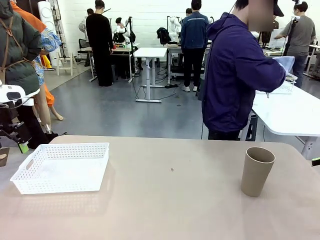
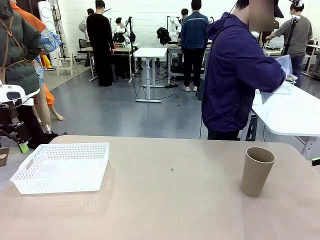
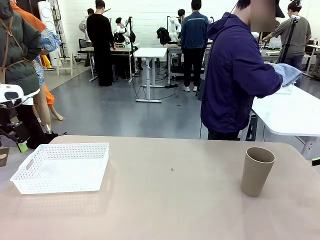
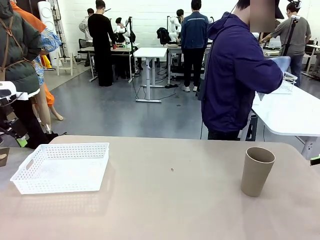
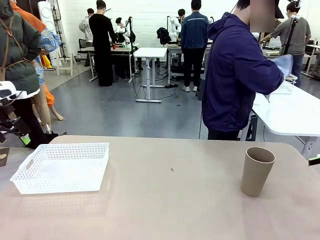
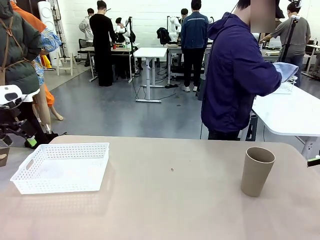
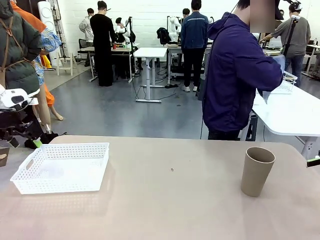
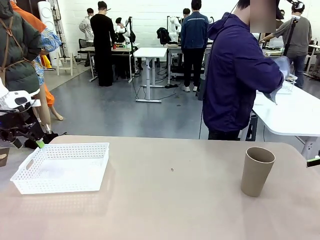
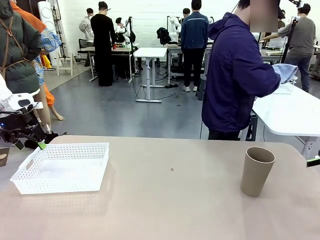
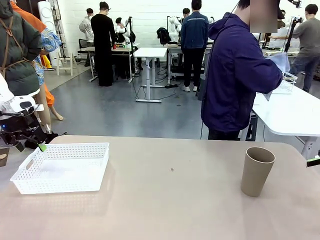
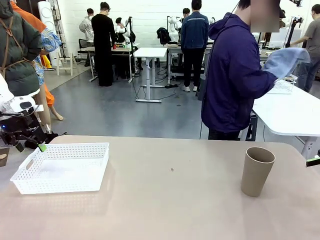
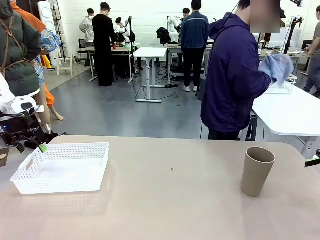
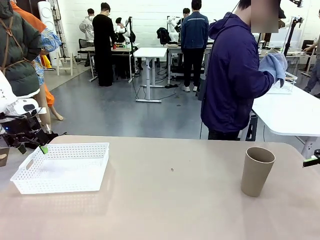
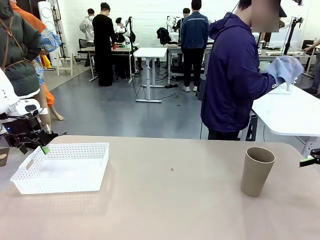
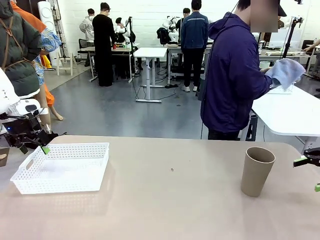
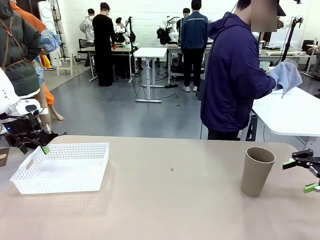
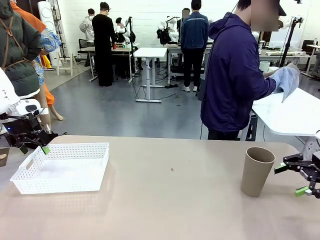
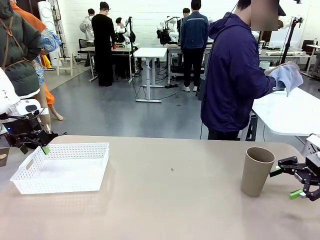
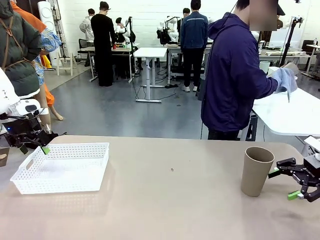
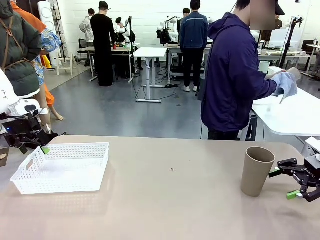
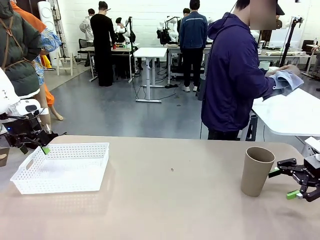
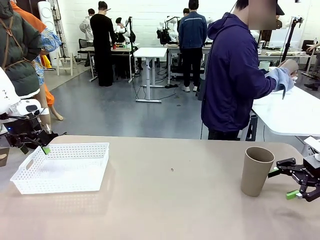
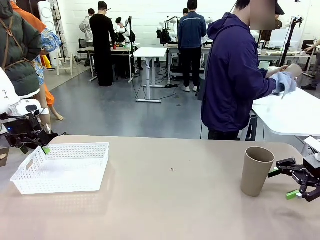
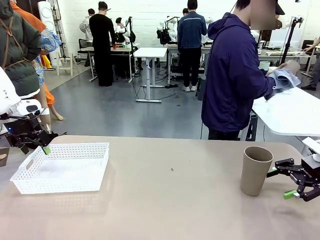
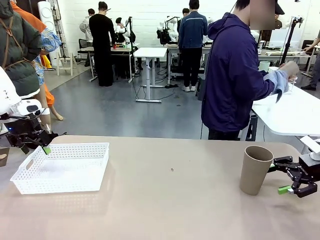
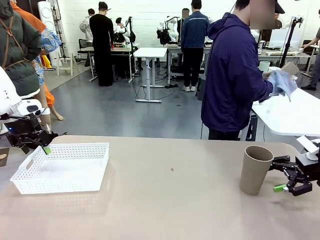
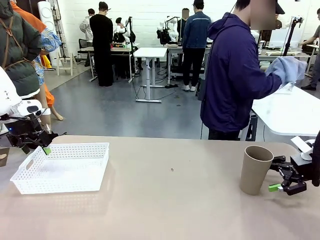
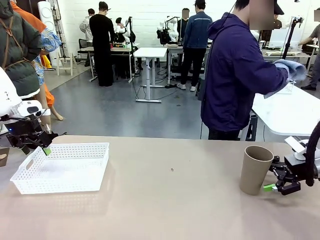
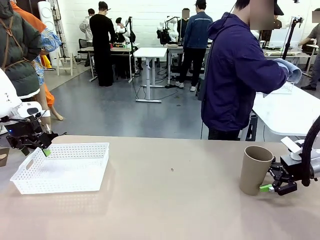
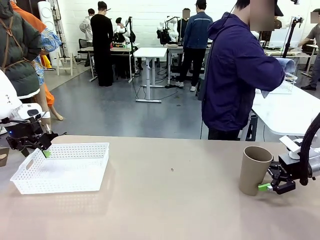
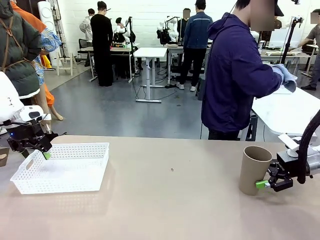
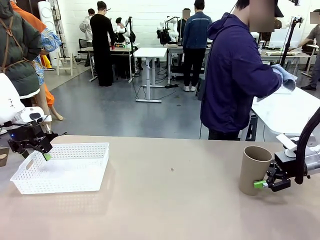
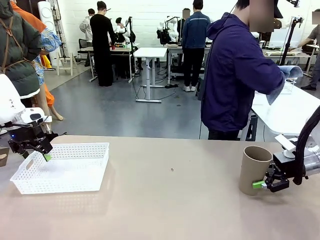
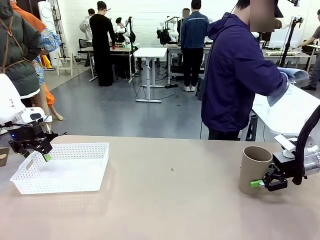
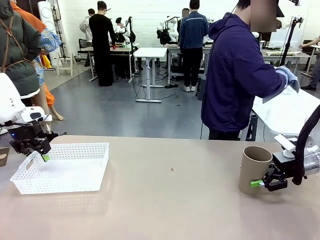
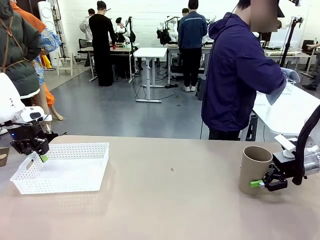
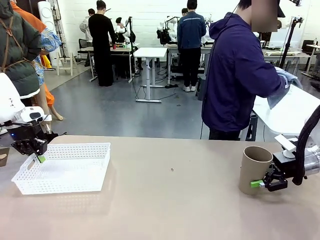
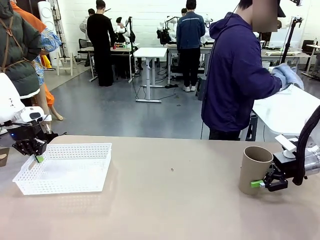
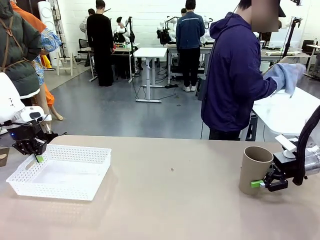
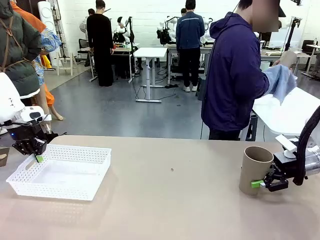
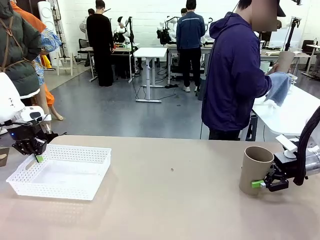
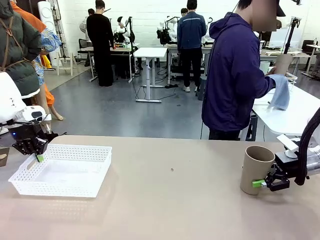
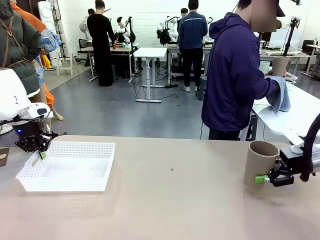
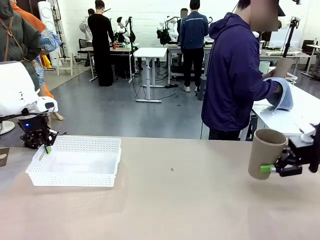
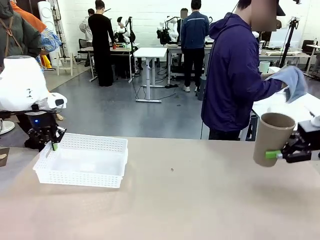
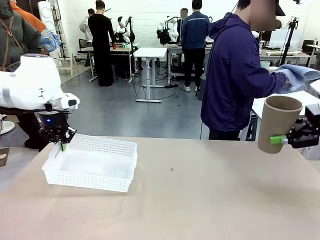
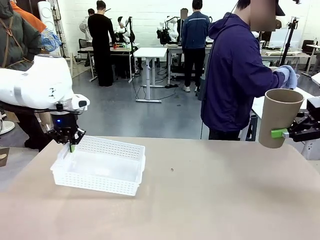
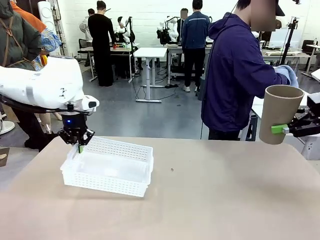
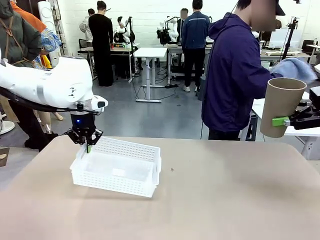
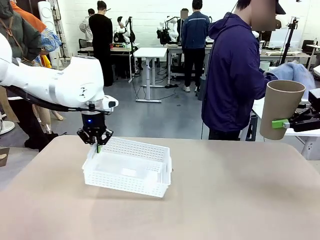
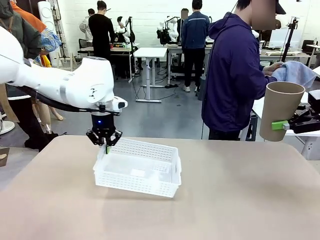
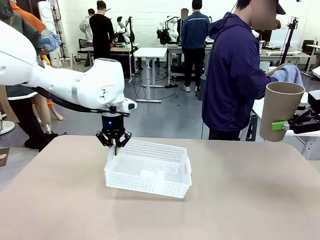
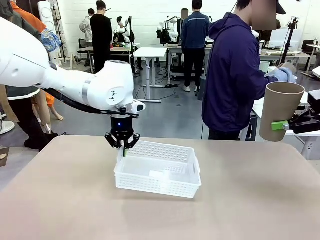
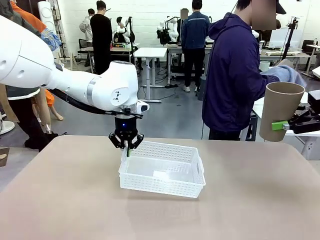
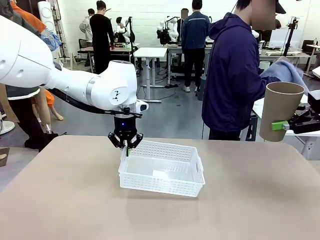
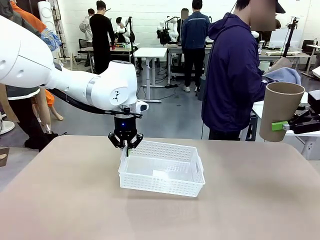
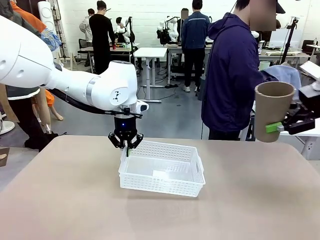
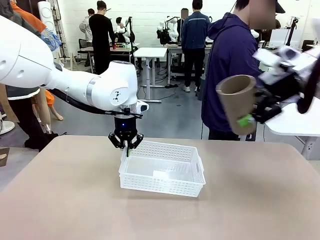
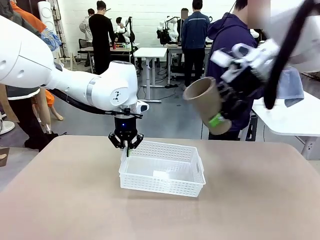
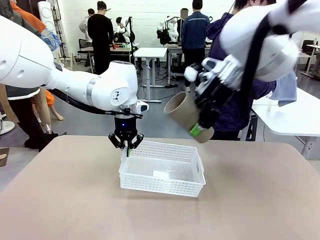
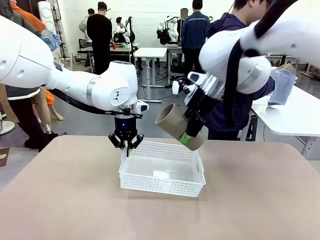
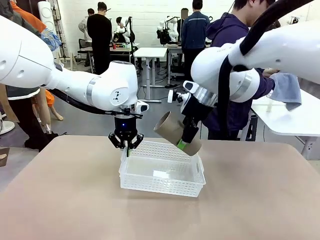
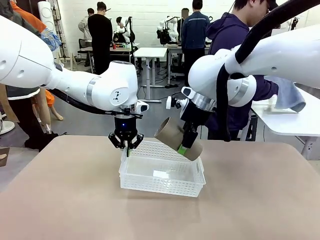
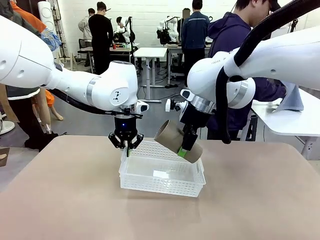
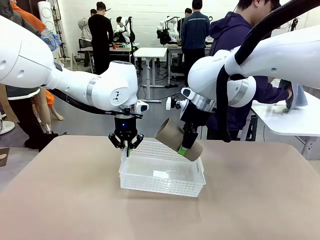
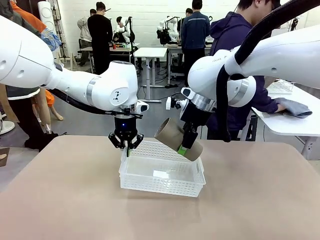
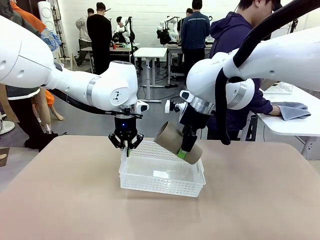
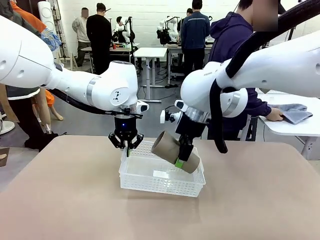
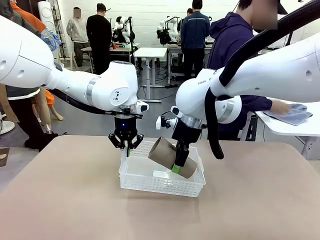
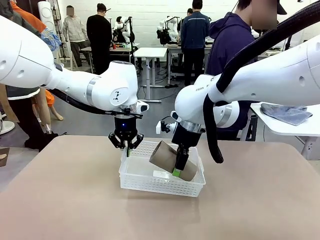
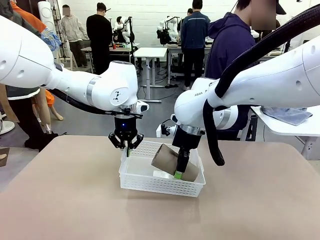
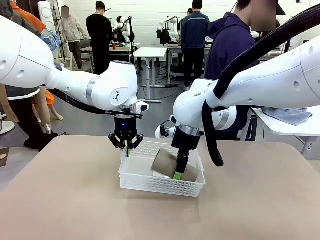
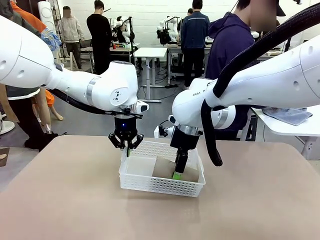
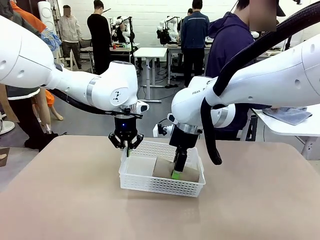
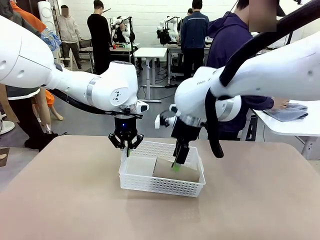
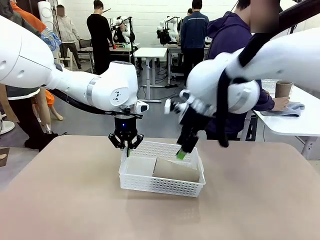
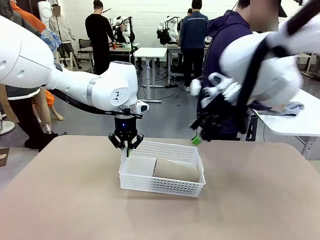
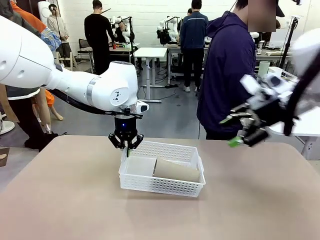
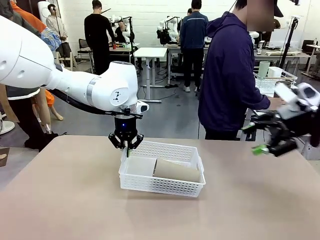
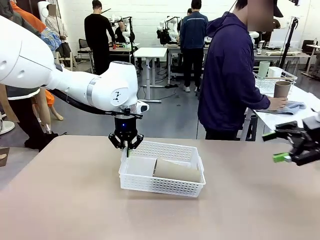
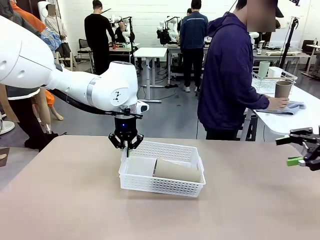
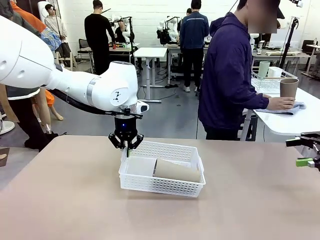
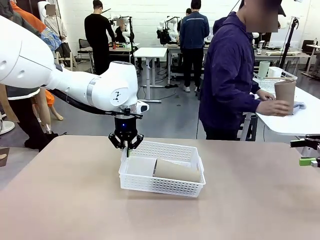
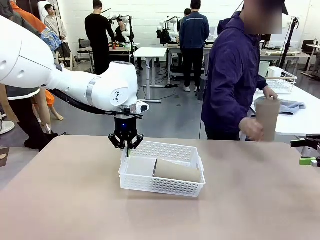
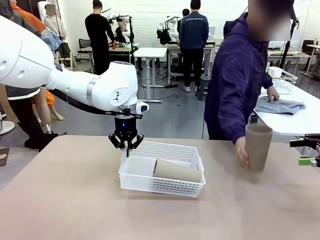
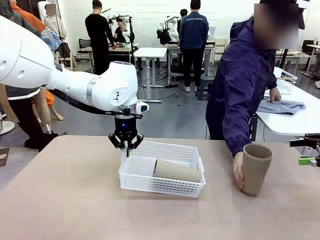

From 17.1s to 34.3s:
Task: Clean and organize the cups into the basket.
Robot: Pick up the Organizing basket and move it to the center of the table, then pick up the Reusable plastic cup from the right side of the table and place it inside the Organizing basket.
Person: Picks up a cup from the drying rack, cleans the cup with the towel, and places it on the left side of the robot table.
